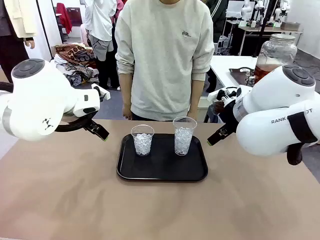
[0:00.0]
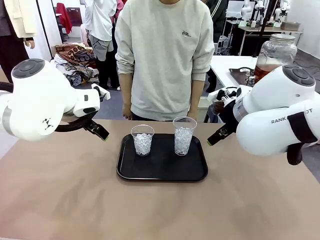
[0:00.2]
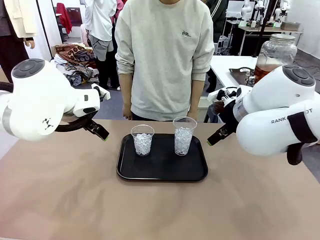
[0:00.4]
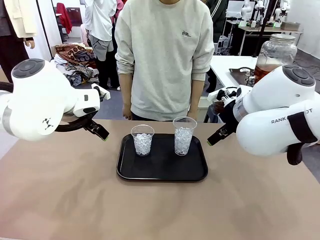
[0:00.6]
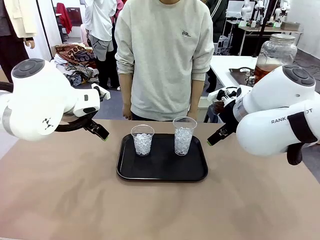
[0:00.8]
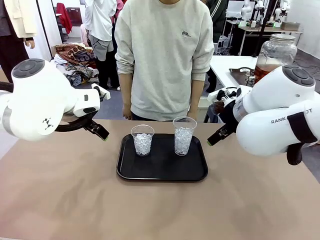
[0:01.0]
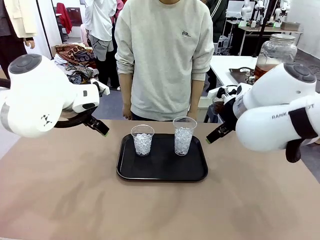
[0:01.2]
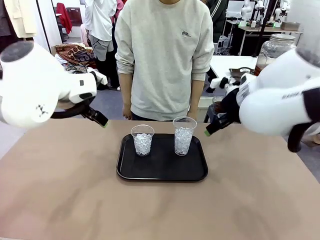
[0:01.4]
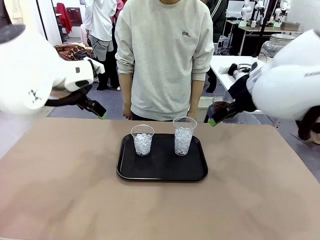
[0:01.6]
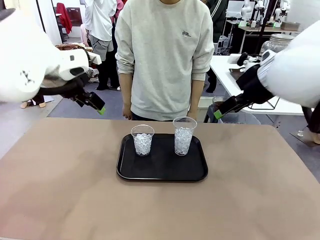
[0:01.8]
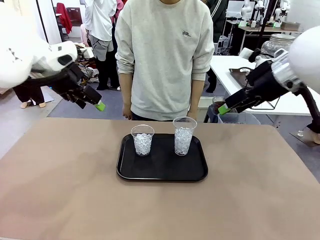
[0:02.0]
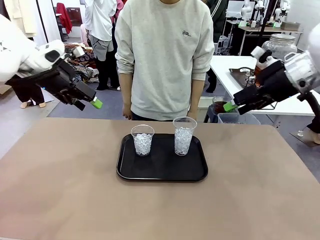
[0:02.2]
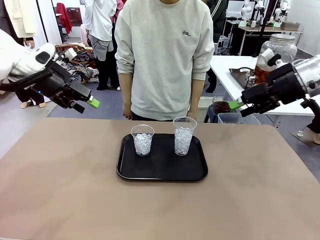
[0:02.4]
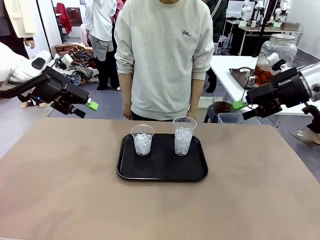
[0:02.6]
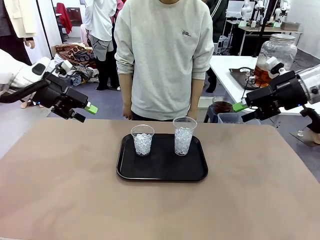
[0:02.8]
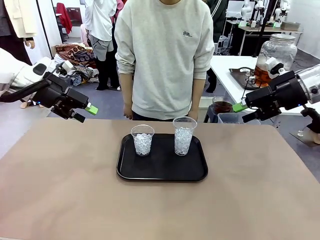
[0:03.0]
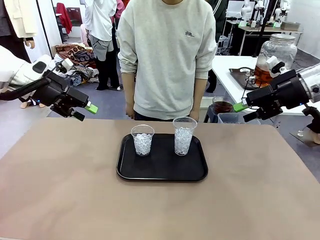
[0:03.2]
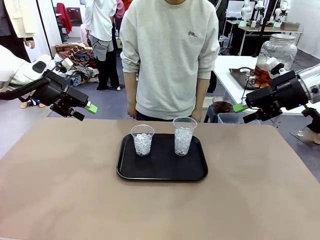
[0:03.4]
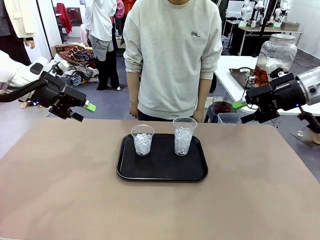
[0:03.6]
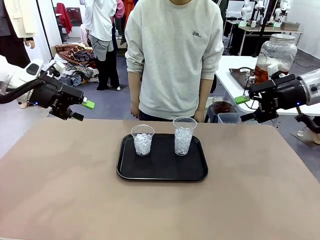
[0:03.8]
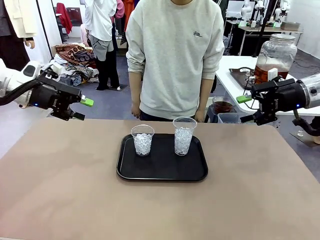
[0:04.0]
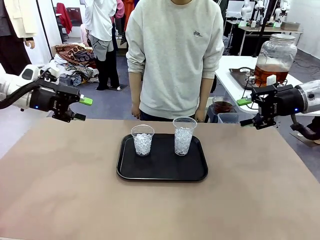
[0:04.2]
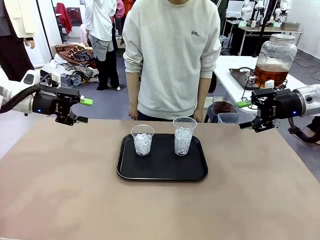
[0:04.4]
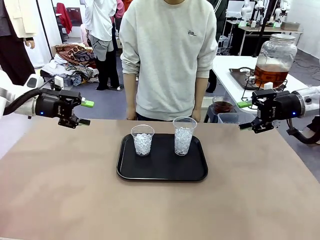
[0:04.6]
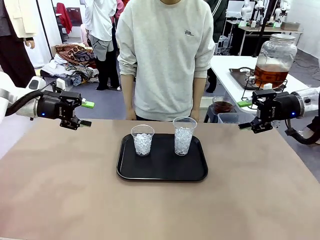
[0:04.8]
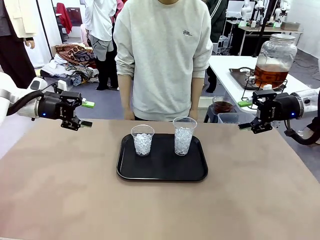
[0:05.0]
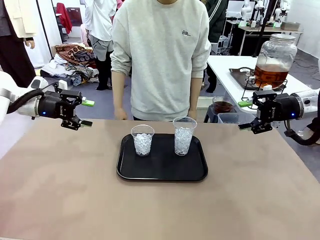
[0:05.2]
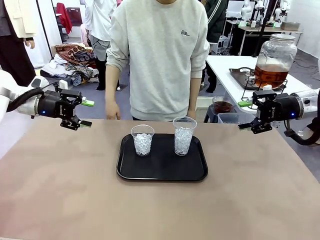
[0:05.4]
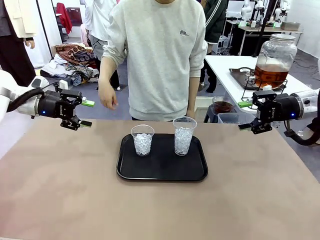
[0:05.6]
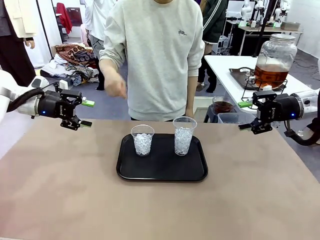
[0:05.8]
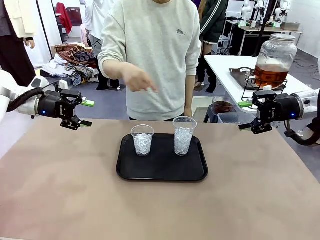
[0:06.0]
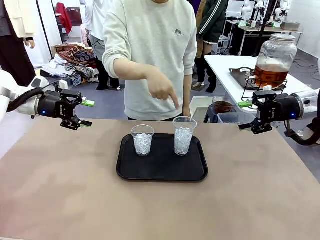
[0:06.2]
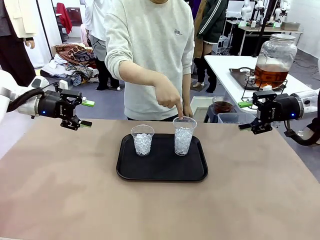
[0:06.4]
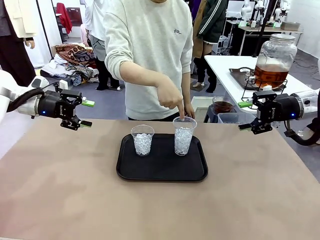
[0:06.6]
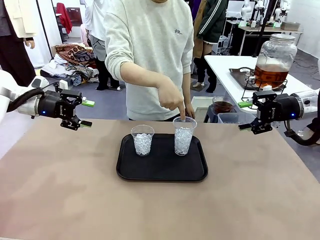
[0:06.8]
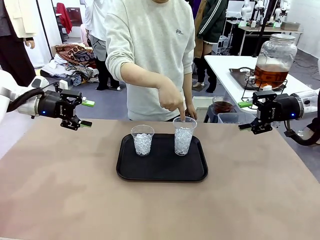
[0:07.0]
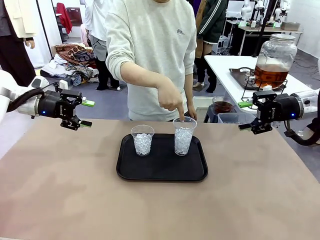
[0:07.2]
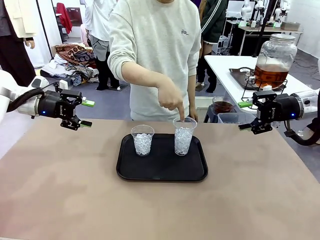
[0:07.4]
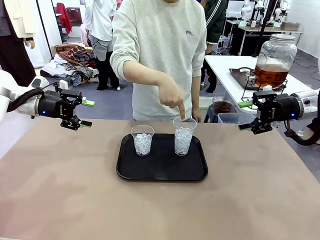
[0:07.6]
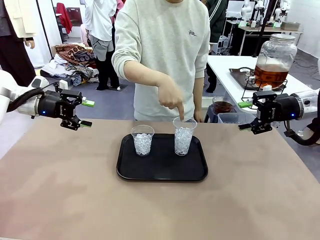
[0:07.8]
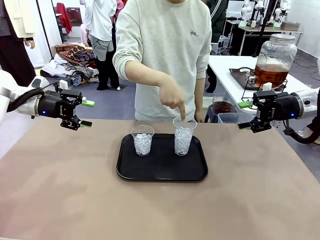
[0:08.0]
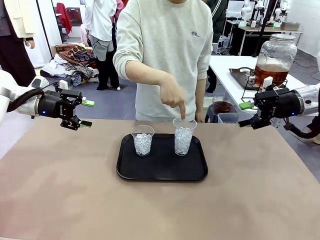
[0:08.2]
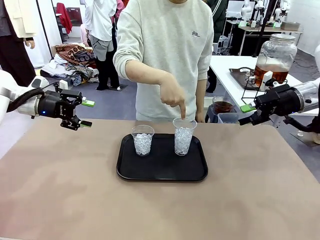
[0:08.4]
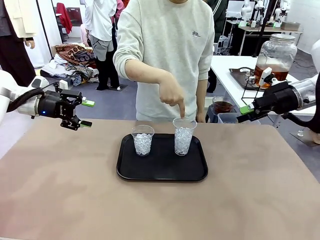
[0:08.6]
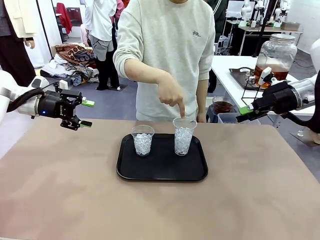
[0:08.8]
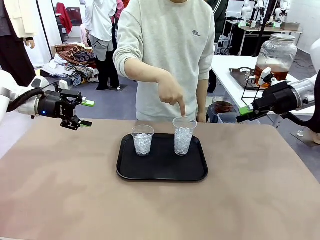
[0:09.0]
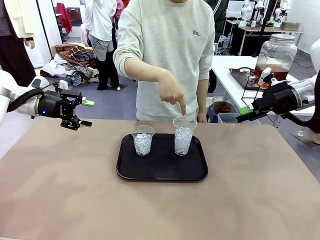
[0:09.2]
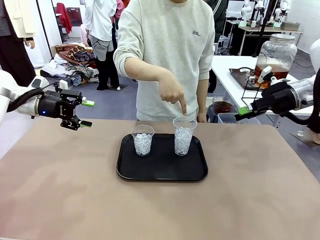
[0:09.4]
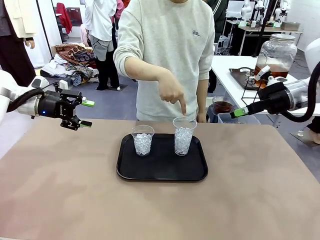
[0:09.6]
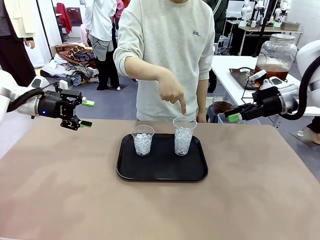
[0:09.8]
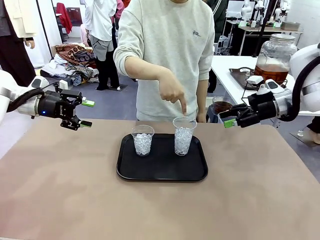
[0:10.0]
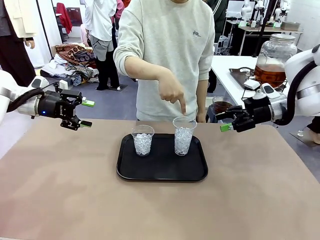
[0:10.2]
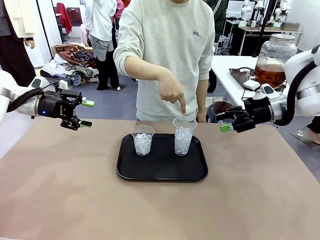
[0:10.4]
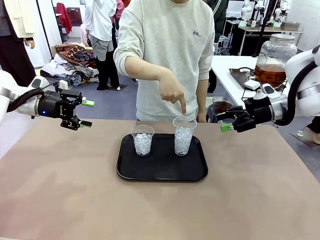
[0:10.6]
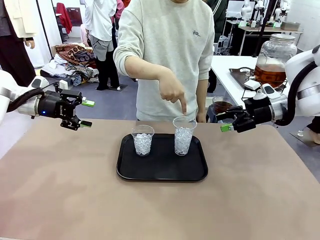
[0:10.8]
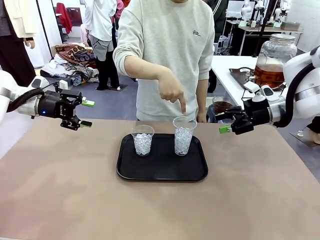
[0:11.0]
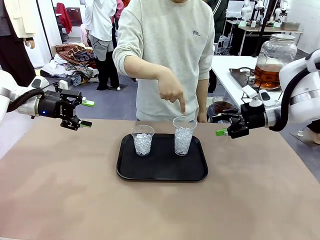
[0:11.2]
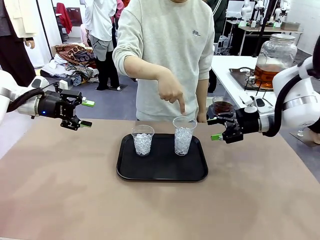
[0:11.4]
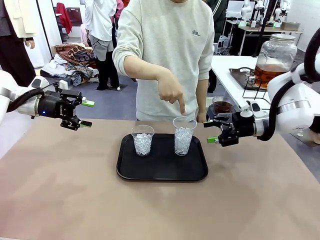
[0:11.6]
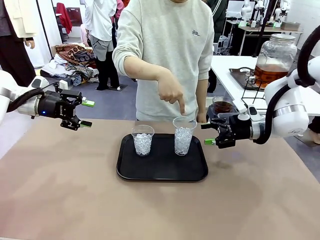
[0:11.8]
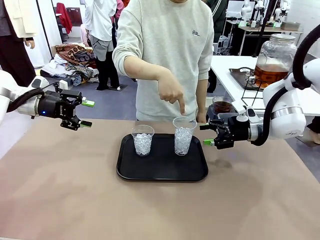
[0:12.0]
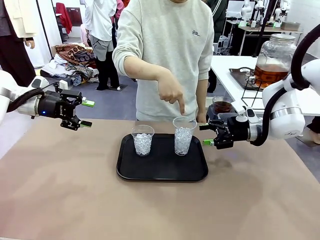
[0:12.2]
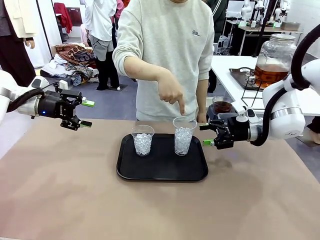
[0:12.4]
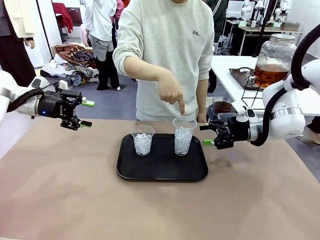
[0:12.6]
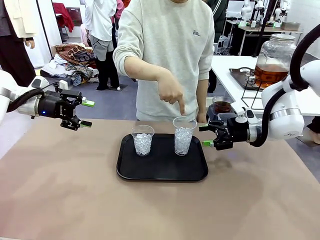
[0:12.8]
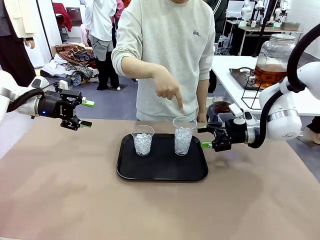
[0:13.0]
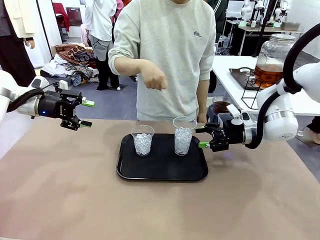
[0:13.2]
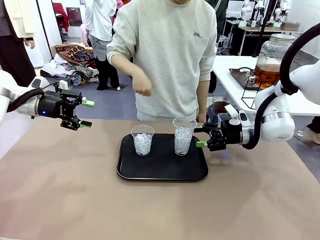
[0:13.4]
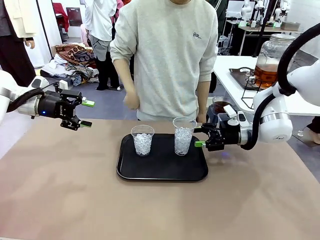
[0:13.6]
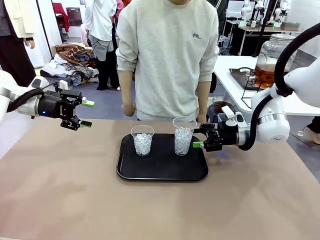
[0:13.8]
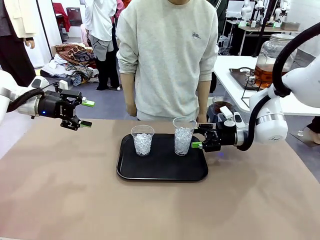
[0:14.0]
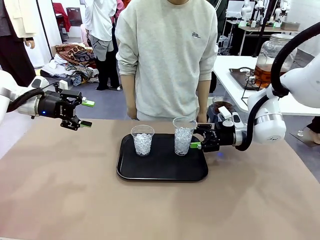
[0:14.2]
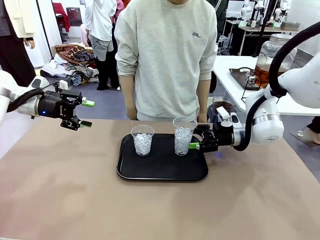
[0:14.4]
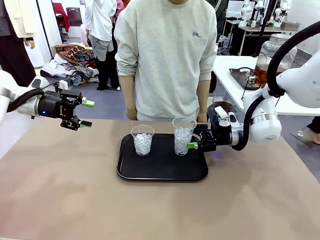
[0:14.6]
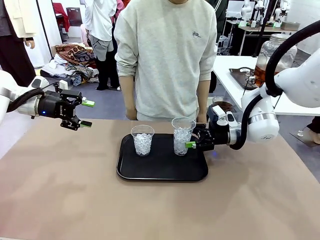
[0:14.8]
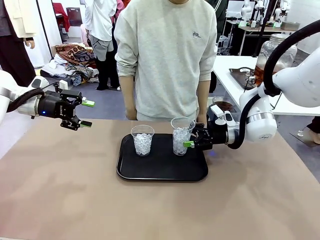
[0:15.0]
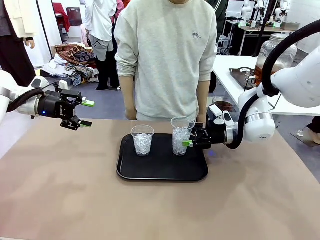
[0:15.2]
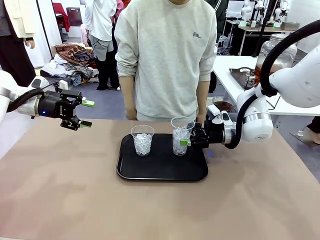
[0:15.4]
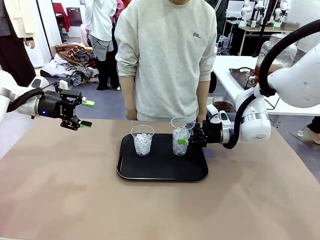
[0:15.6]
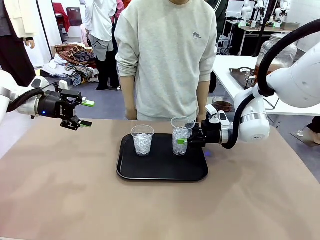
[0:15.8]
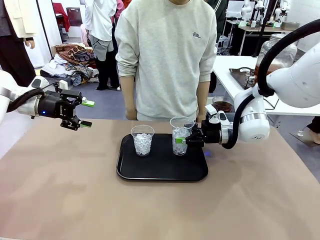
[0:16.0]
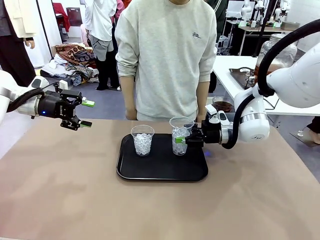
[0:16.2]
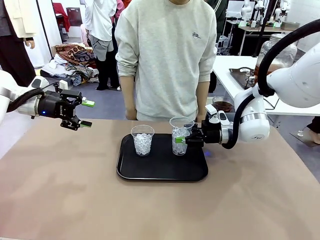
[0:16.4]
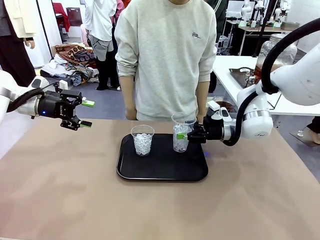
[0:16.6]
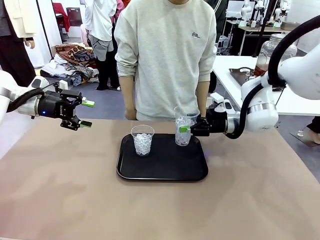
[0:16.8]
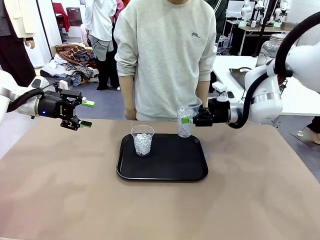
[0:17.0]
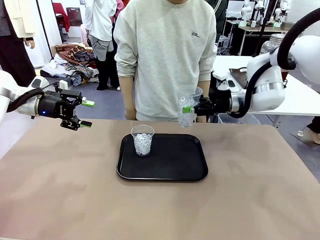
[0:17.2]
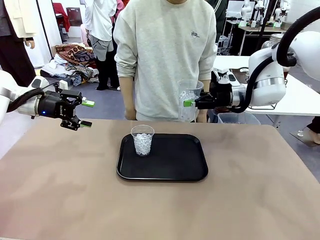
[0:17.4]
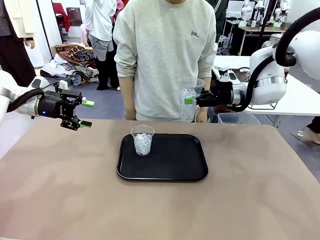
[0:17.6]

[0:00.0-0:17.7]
Task: Pour the drink into the iced cup.
Robot: Pick up the iced cup indicated by the human and present it to them.
Person: Point to one of the two ice cups. Pick up the cup offered by the robot.

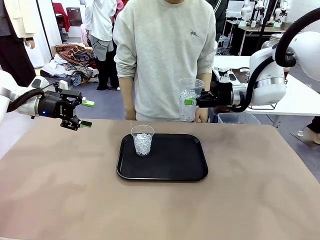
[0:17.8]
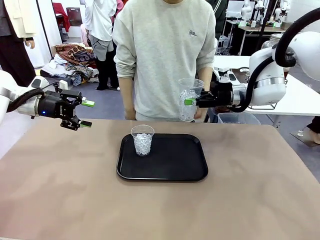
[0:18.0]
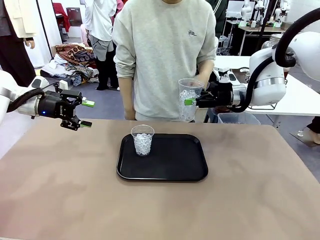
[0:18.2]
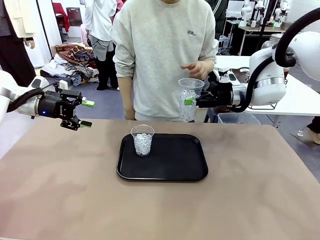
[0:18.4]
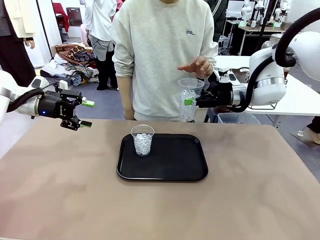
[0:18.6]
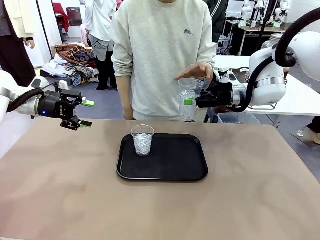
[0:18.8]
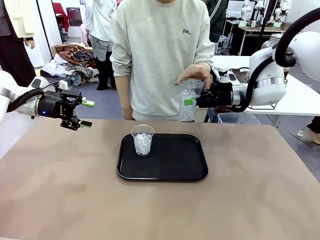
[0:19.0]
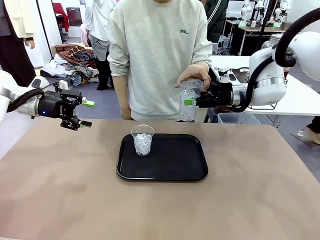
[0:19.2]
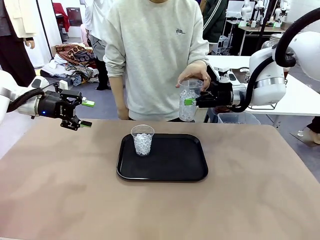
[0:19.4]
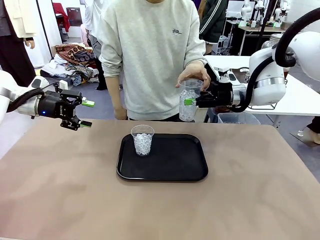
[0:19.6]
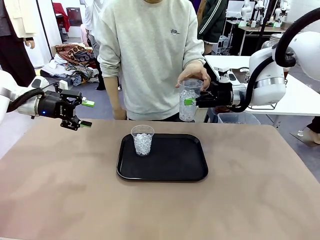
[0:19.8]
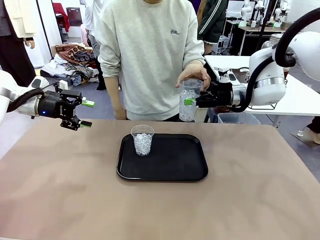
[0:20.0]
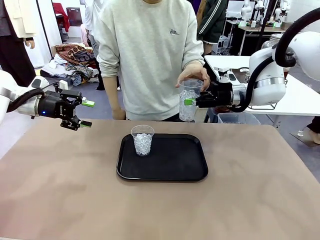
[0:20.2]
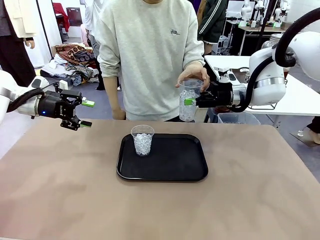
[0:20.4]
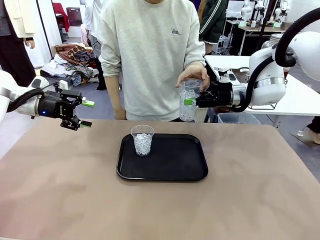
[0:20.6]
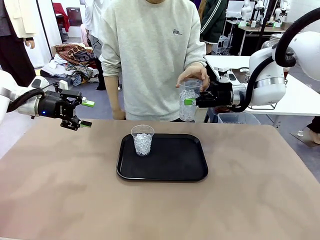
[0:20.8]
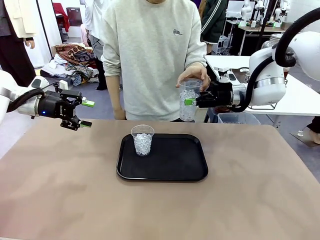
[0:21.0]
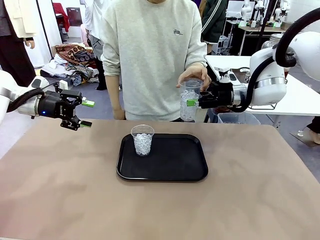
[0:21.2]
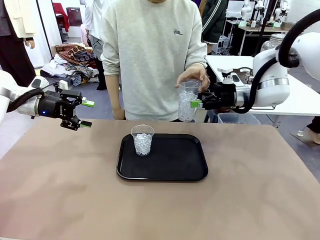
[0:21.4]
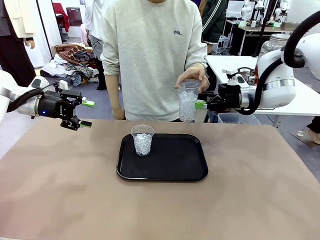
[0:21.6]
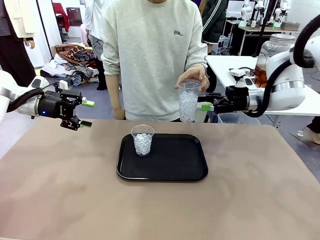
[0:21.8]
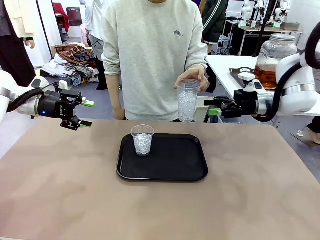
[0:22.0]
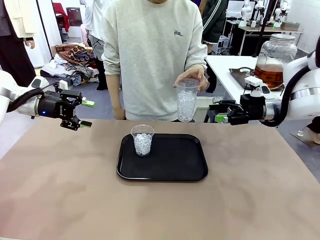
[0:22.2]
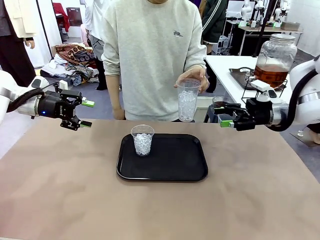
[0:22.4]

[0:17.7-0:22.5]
Robot: Open the gripper to release the iced cup you were holding.
